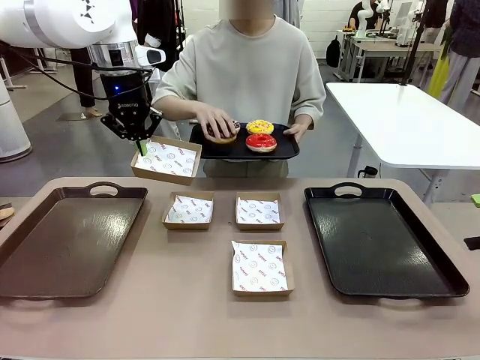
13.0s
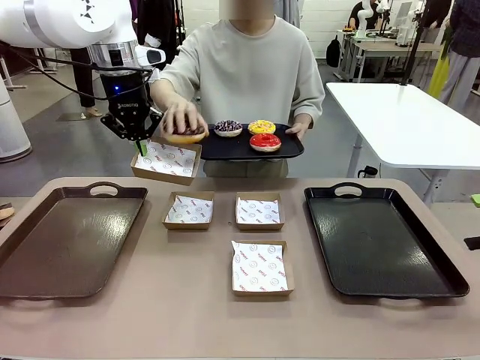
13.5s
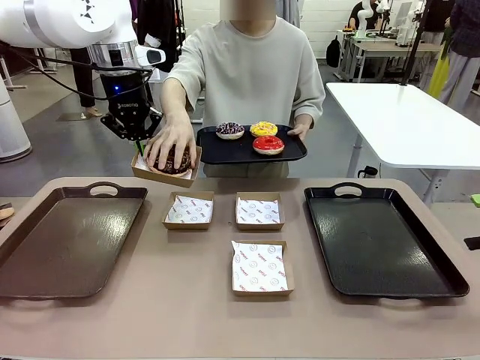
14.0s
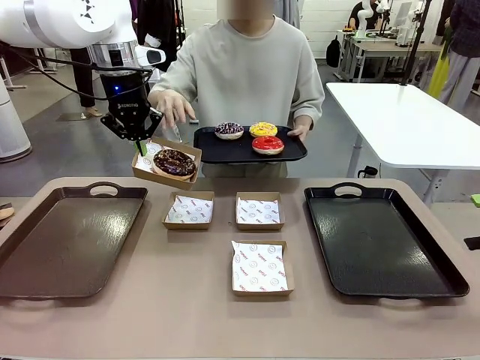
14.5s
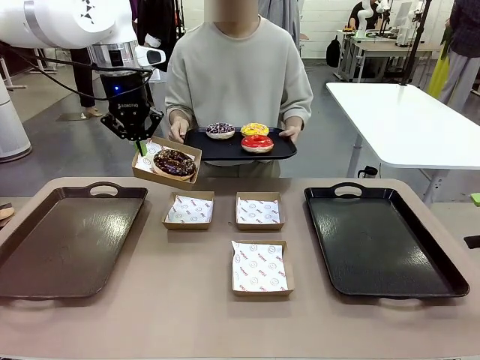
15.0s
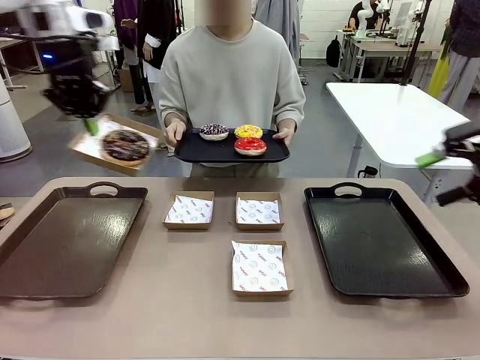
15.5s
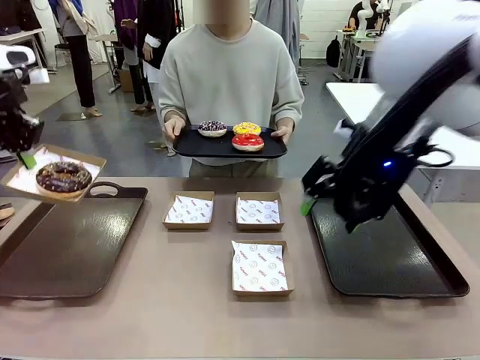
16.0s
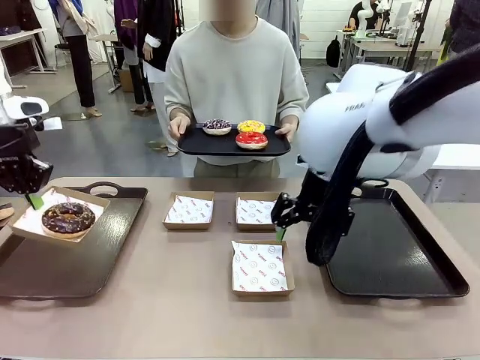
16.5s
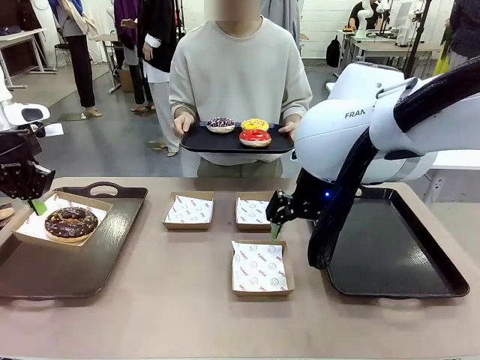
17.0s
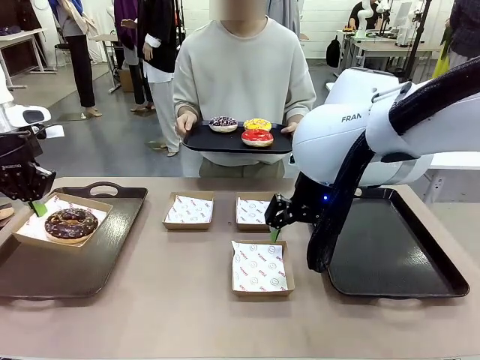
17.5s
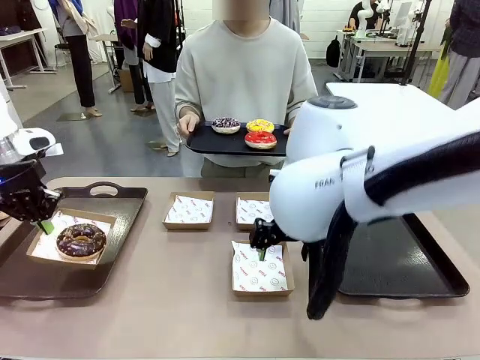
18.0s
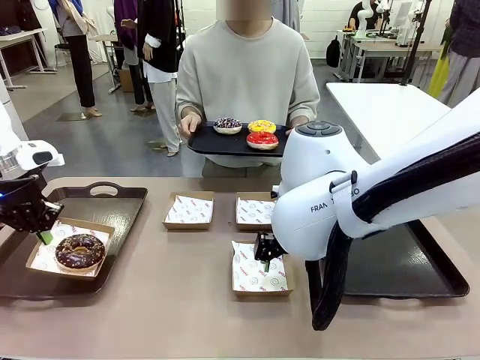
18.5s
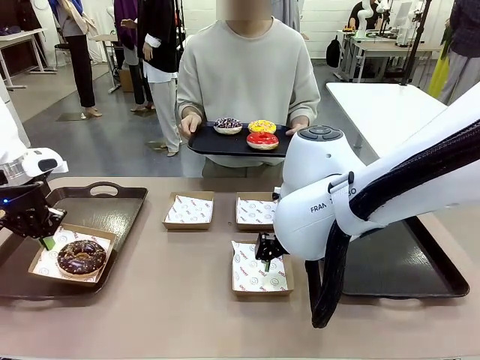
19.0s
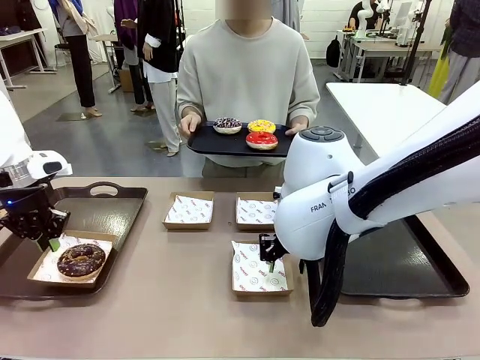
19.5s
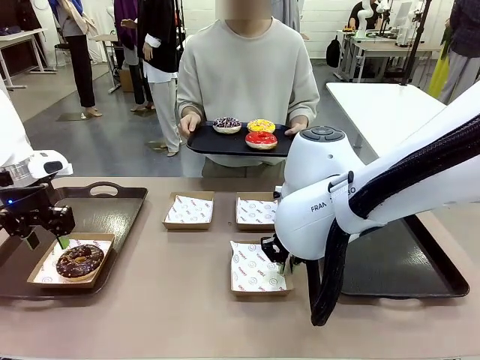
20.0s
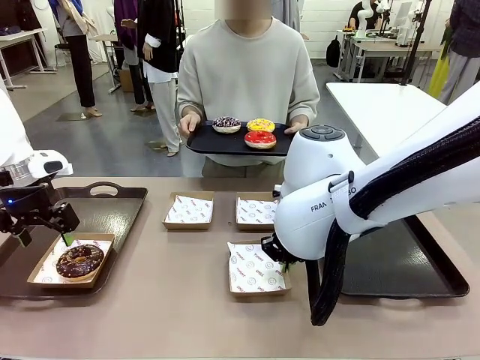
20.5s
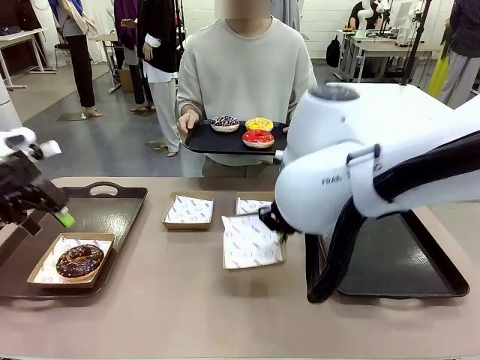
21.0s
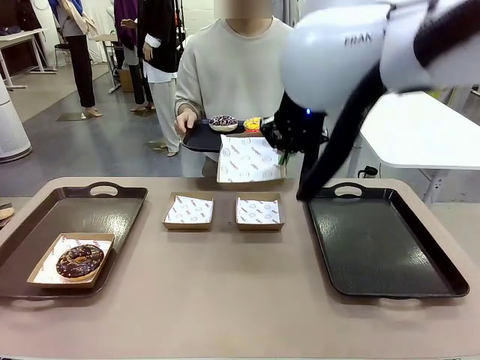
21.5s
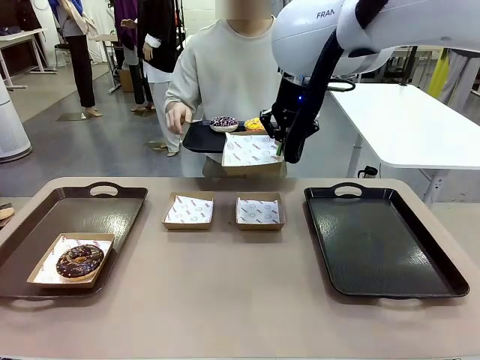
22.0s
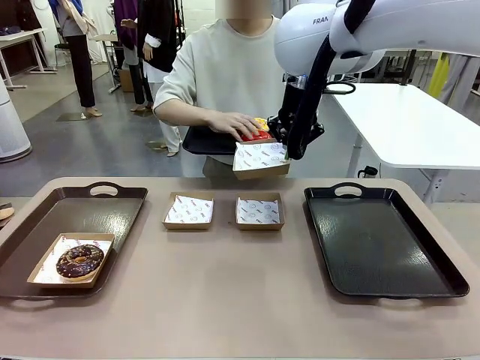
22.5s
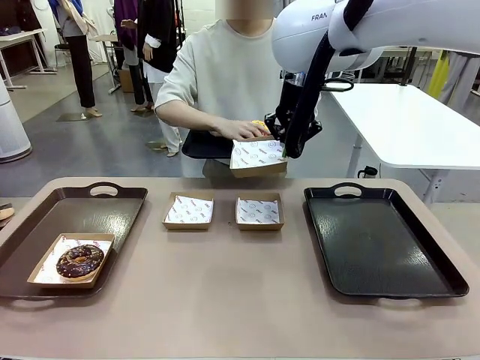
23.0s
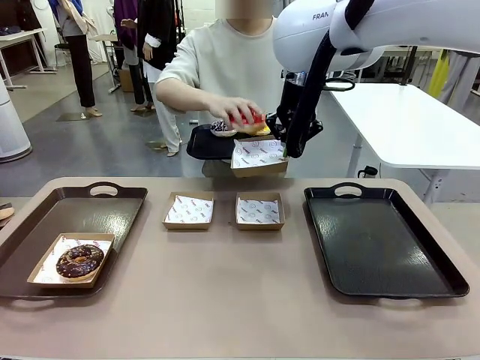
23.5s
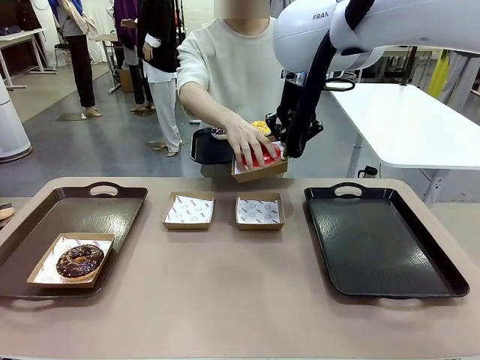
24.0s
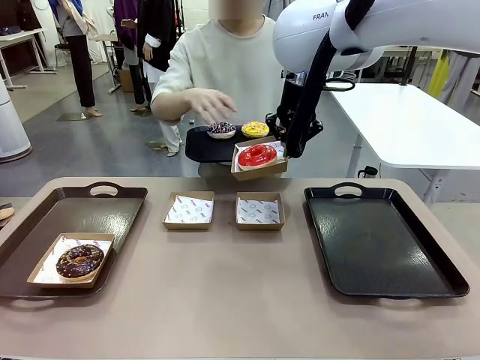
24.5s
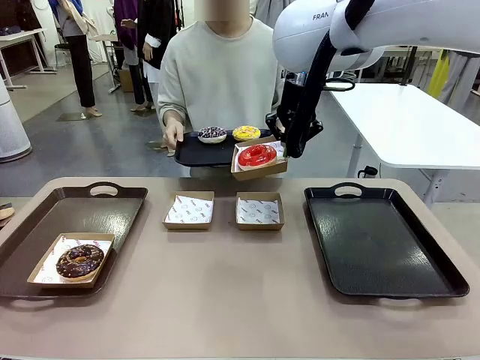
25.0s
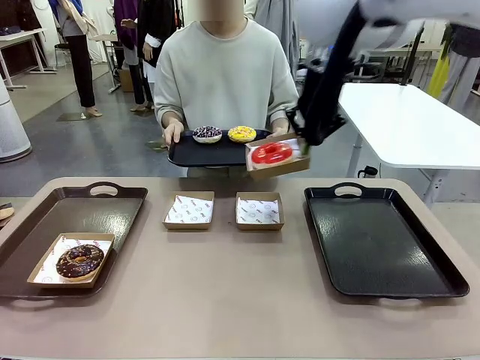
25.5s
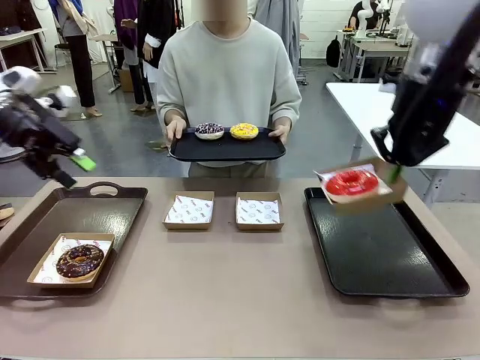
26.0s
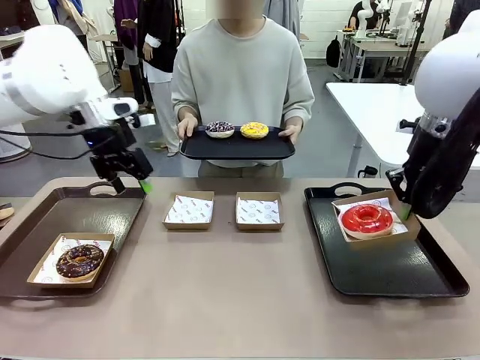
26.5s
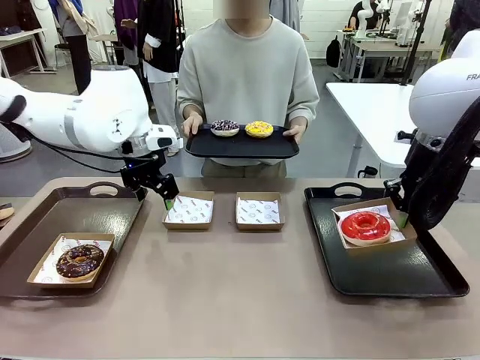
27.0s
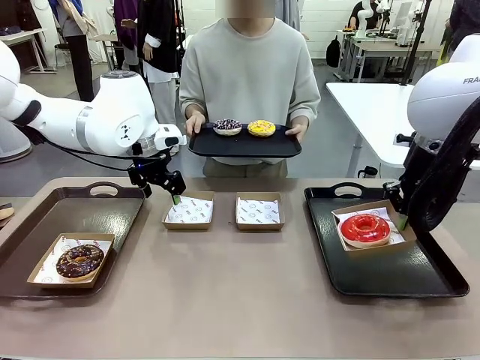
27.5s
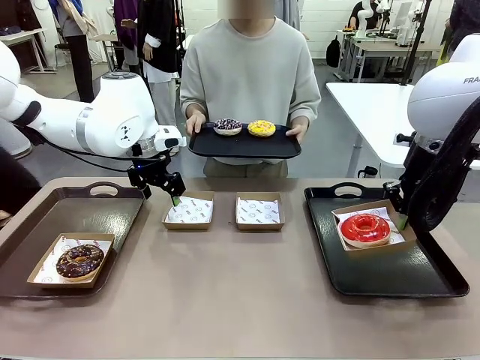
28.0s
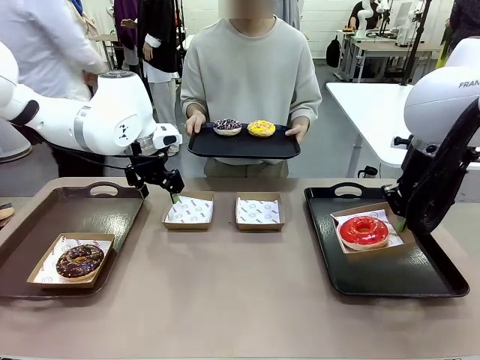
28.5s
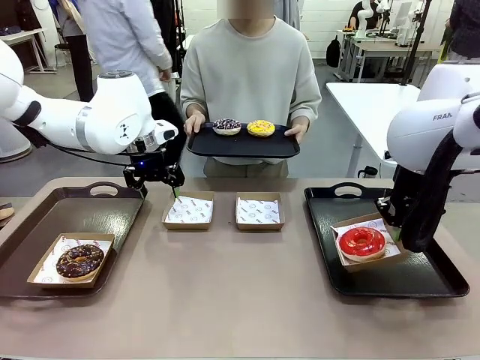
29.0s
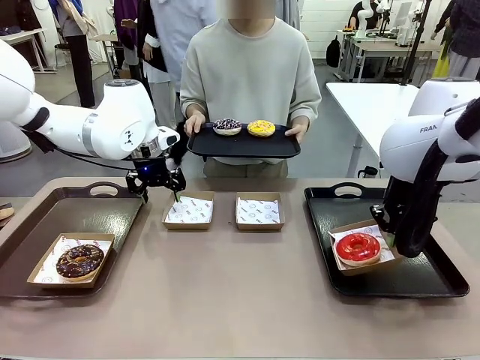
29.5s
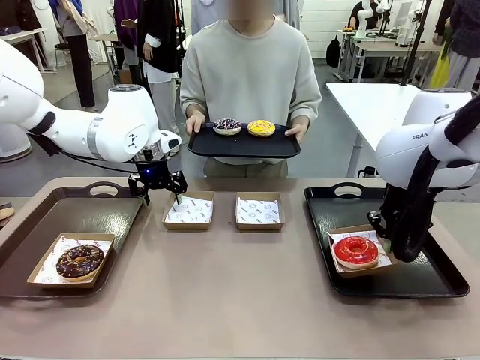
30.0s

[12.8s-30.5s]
Task: Individually package the donuts and arrange them on the tray.
Robot: Place the picked Paper togo box on the Handle tray while simultaneously picking up another Paper togo box from the table with the other hand.
